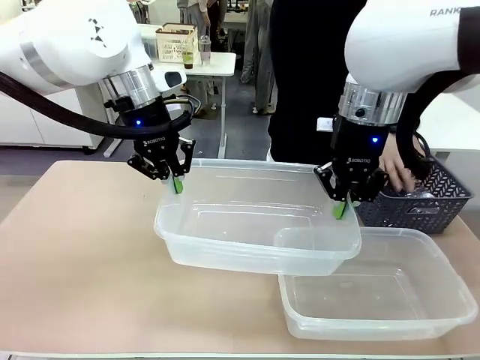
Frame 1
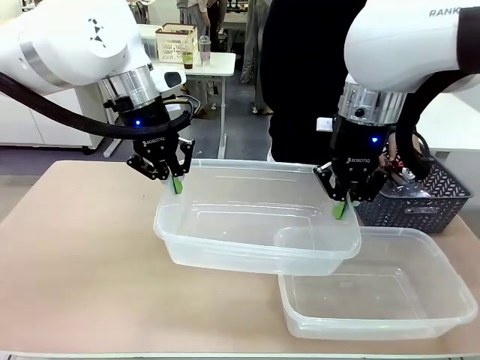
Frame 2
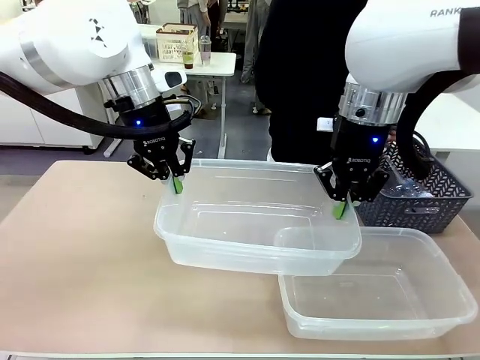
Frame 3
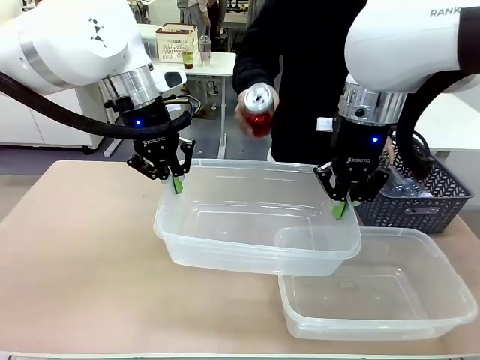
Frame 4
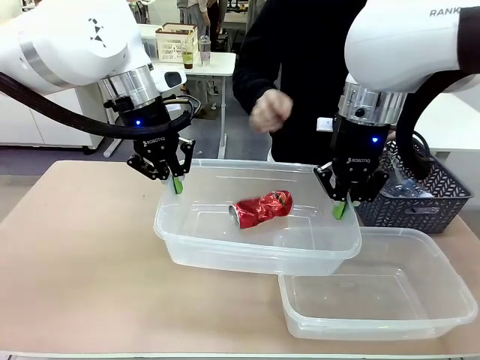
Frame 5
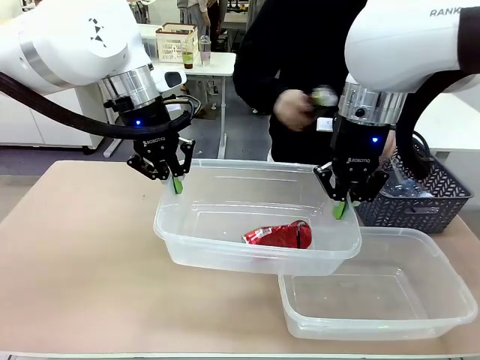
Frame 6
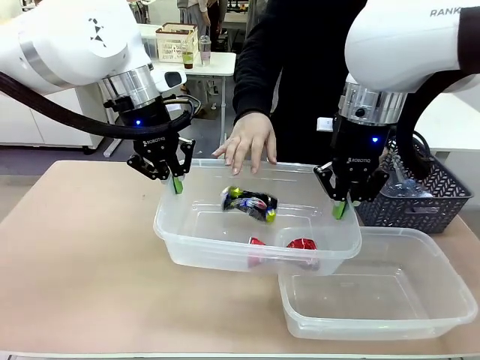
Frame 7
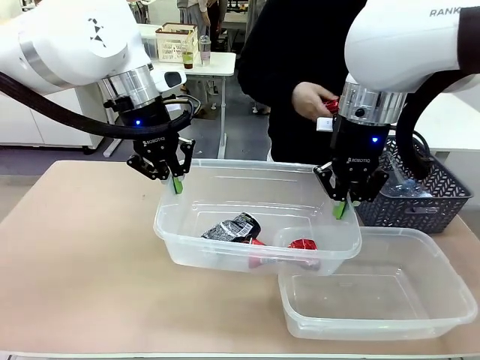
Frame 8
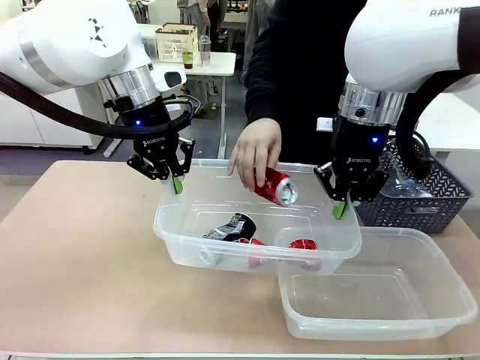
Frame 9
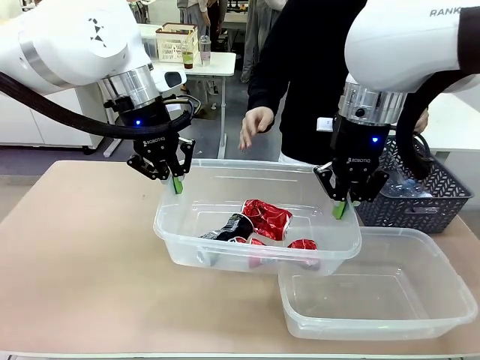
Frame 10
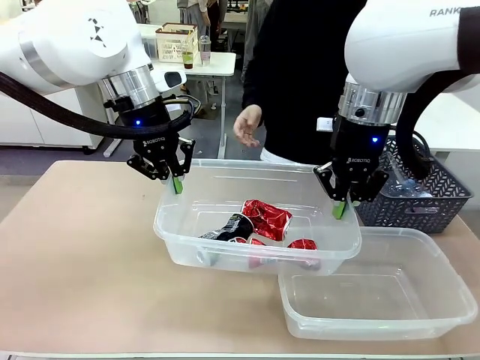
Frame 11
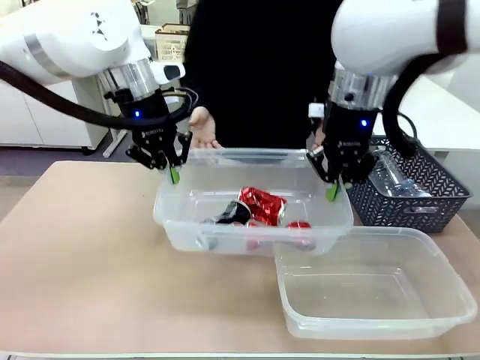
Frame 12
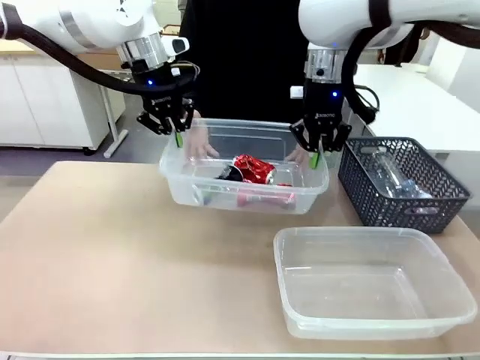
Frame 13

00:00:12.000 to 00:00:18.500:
Robot: Offer the picked Organizing box to the human.

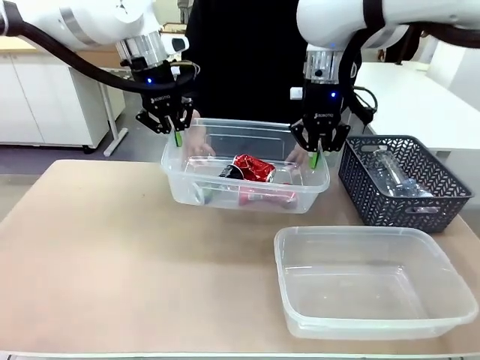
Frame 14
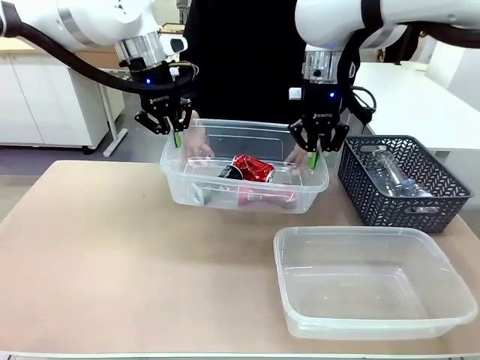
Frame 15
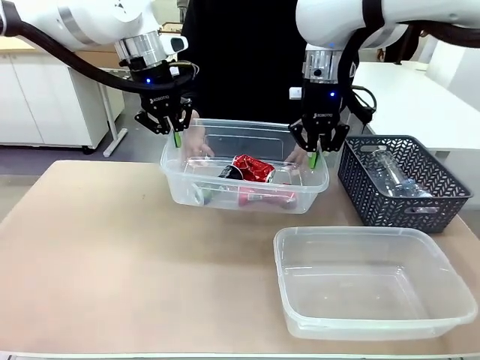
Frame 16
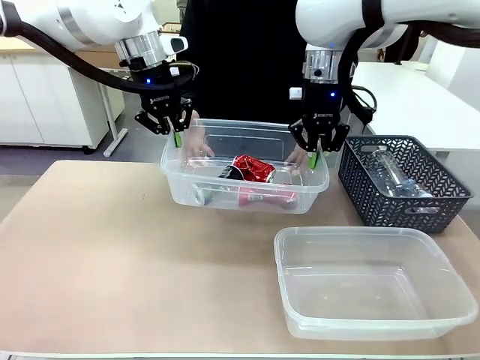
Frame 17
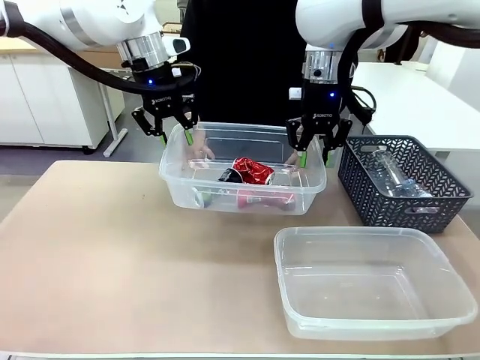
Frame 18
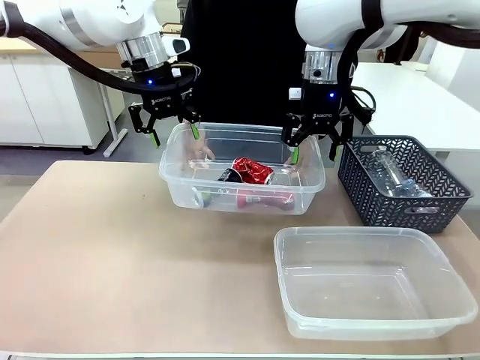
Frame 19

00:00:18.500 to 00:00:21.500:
Robot: Release the Organizing box you were holding.

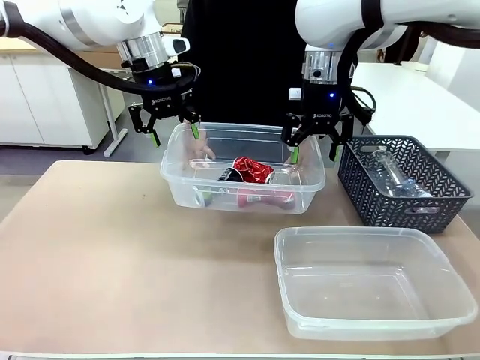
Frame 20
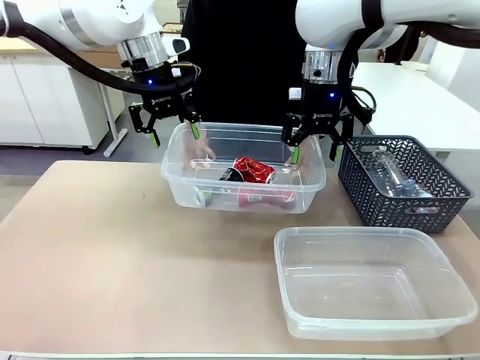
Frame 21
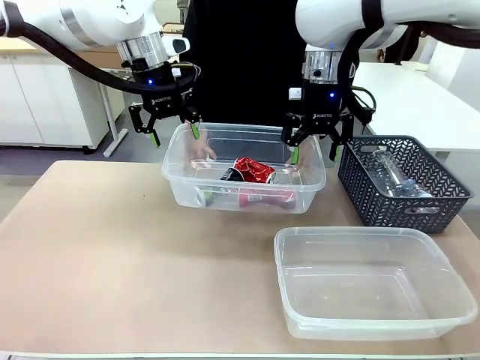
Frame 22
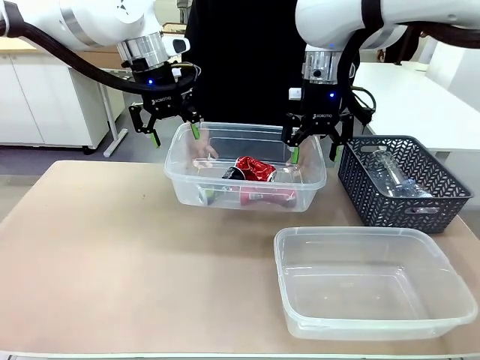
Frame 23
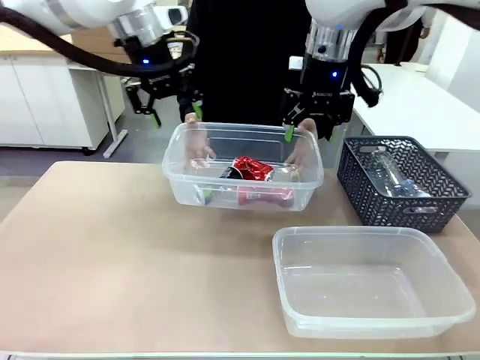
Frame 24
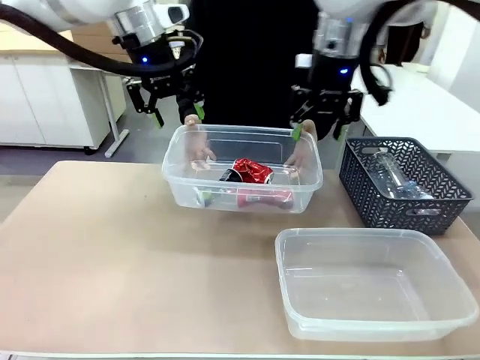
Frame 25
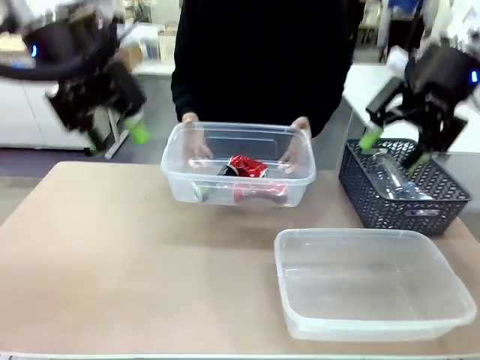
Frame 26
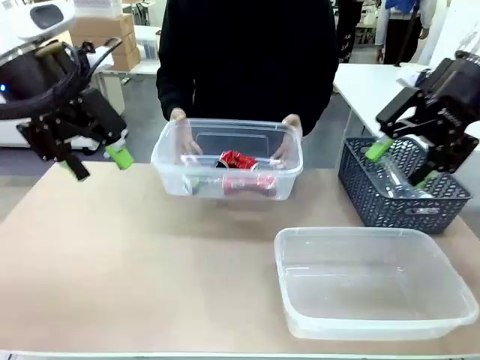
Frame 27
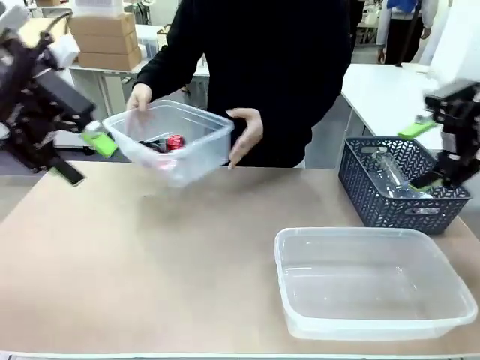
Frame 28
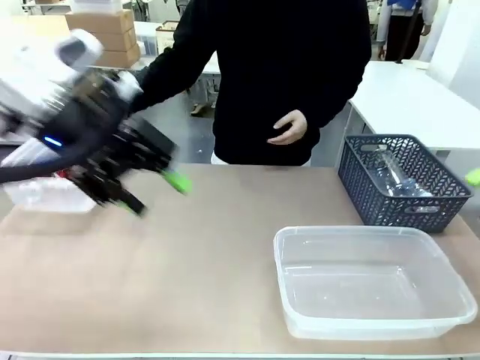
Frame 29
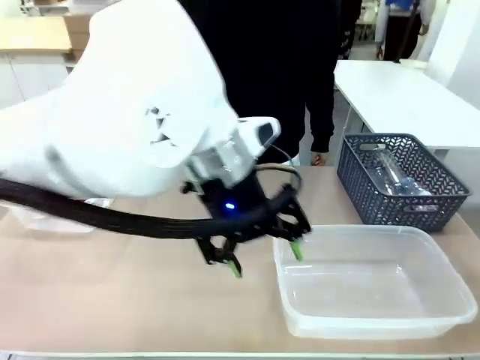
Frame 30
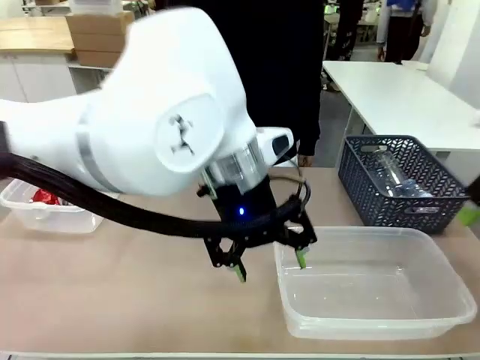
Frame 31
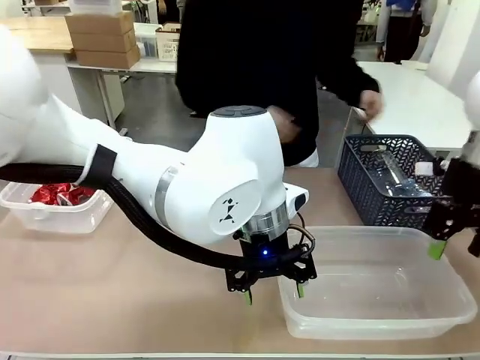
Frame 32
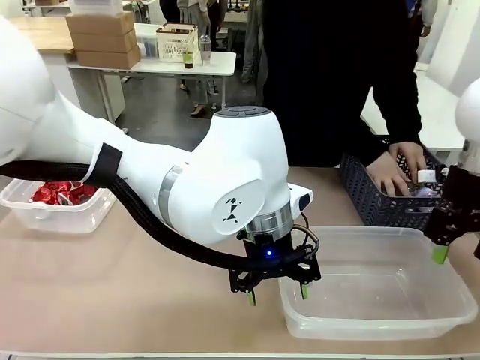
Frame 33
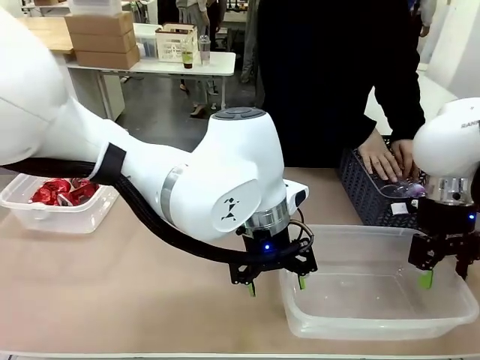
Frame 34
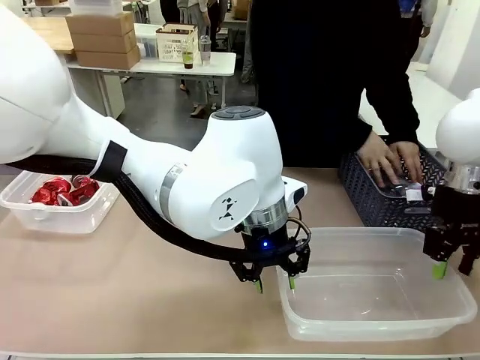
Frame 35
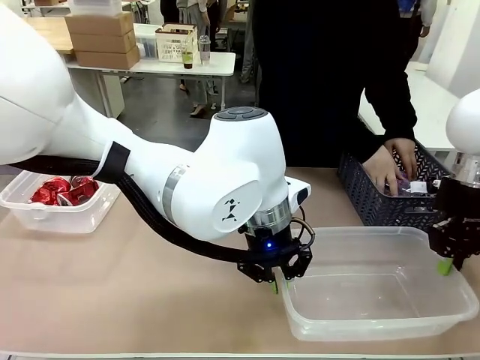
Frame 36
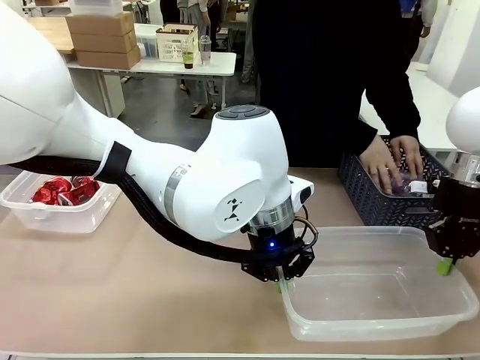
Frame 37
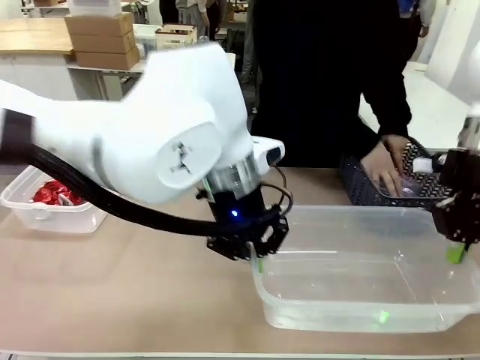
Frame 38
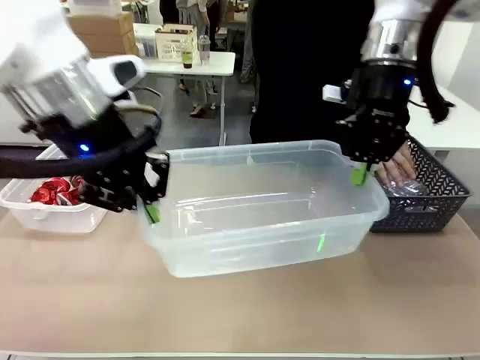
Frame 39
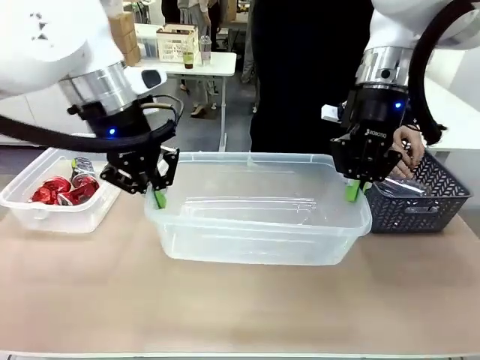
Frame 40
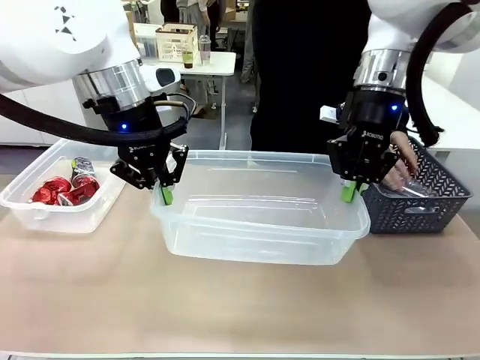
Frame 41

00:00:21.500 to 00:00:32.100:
Robot: Pick up the Organizing box on the right side of the table and lift it.
Person: Place it at the edge of the bottom right area of the robot table. Pick up plastic waste one by one and place it into the organizing box lifted by the robot.

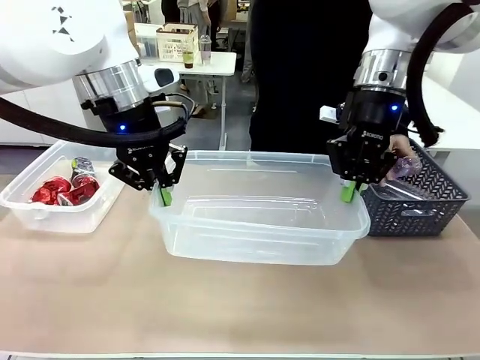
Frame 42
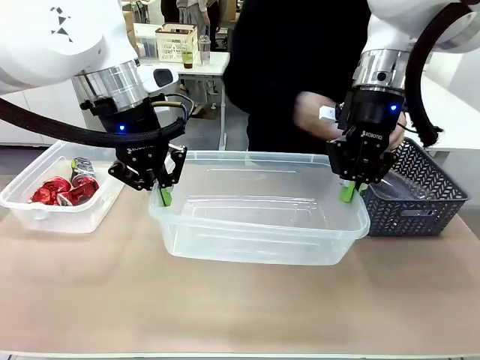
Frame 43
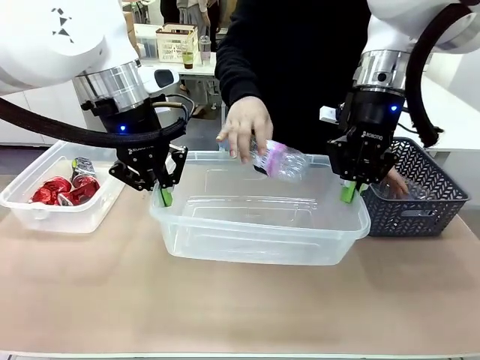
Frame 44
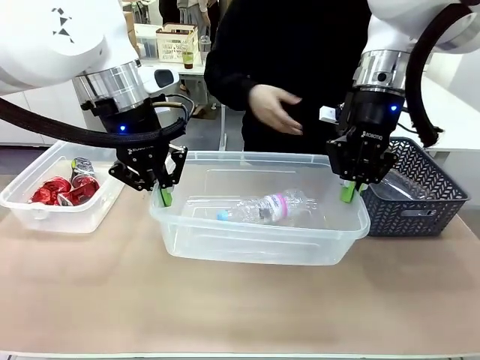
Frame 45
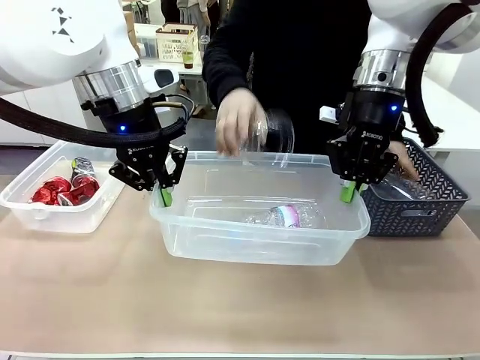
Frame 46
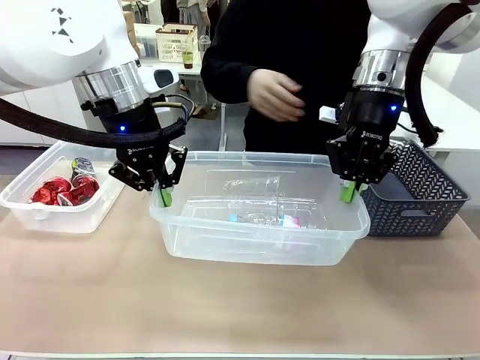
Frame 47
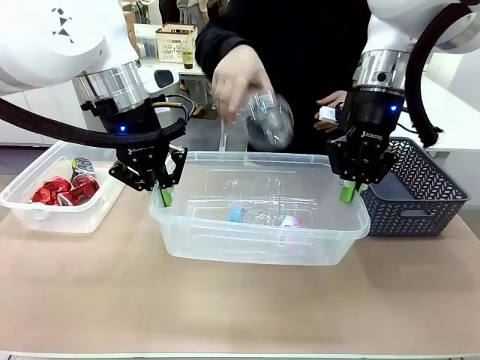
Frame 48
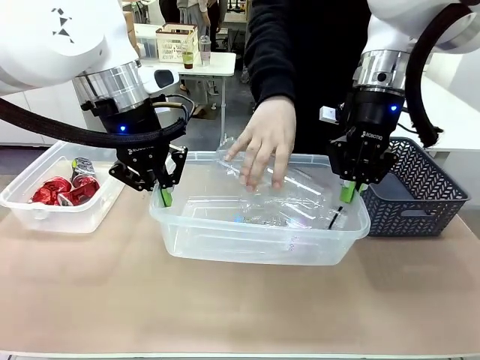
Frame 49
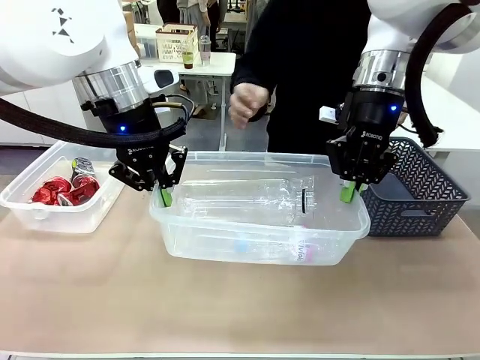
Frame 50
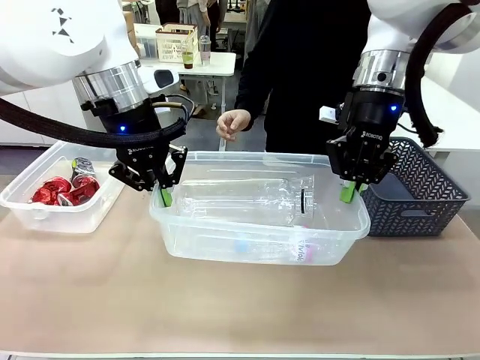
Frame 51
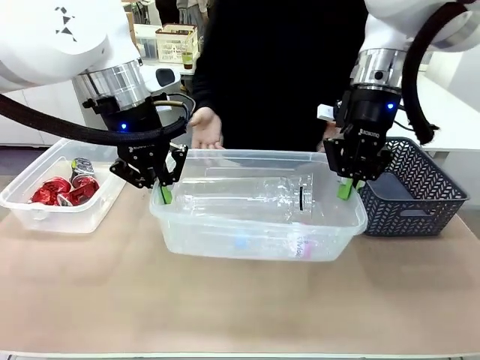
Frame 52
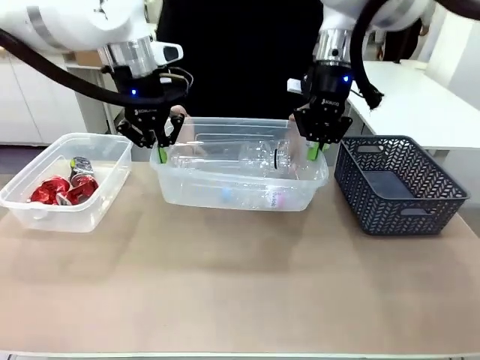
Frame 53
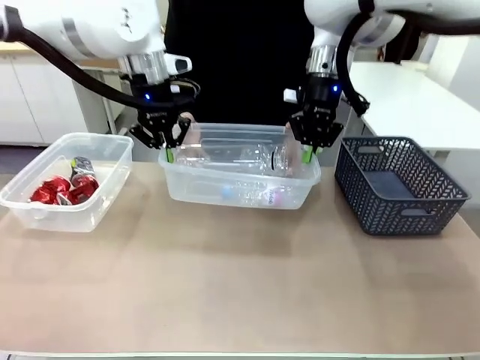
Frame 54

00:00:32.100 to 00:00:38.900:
Robot: Offer the picked Organizing box to the human.
